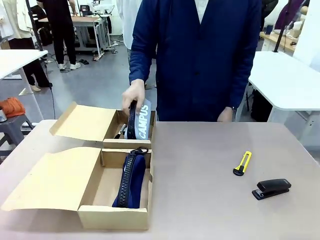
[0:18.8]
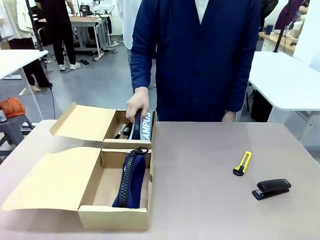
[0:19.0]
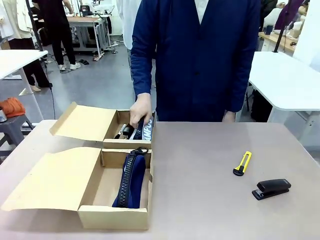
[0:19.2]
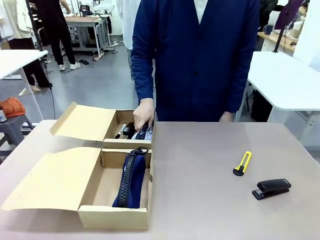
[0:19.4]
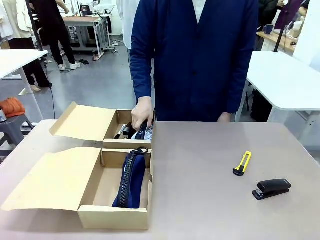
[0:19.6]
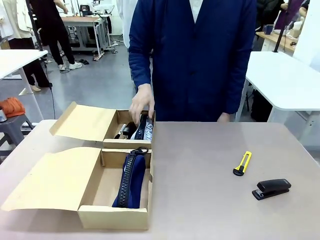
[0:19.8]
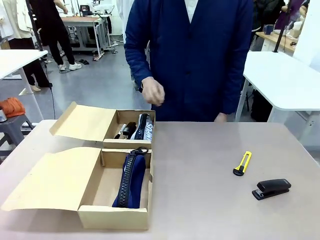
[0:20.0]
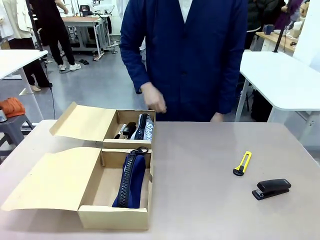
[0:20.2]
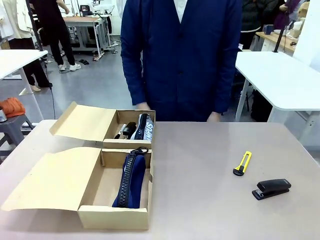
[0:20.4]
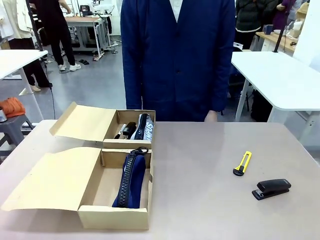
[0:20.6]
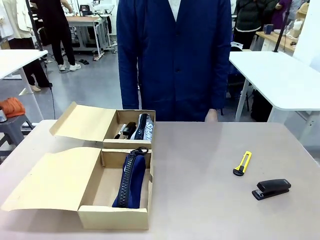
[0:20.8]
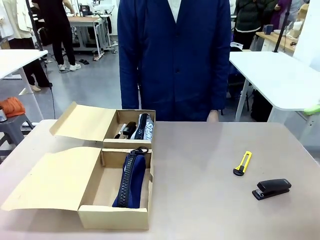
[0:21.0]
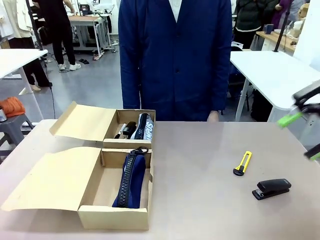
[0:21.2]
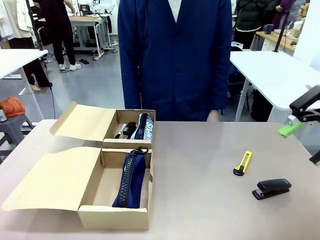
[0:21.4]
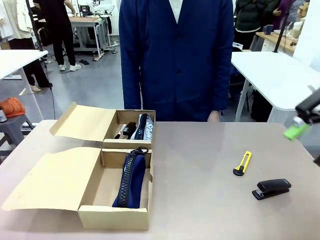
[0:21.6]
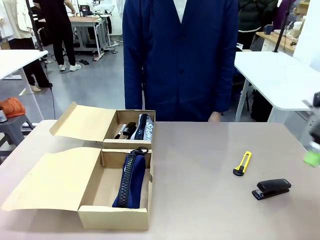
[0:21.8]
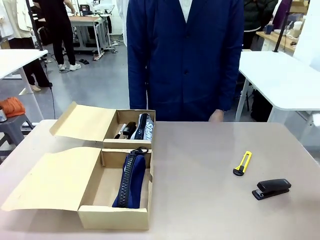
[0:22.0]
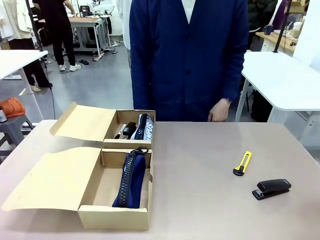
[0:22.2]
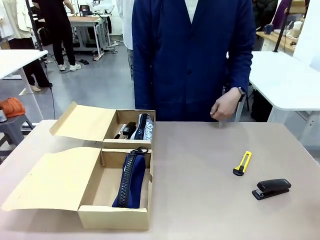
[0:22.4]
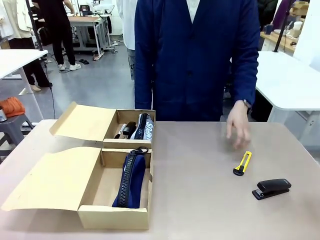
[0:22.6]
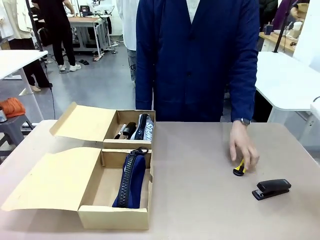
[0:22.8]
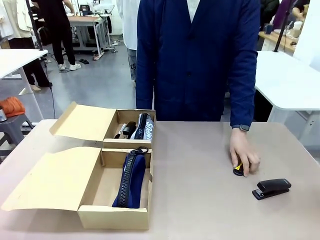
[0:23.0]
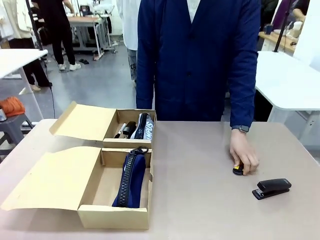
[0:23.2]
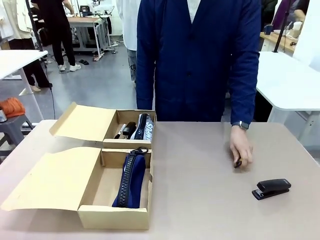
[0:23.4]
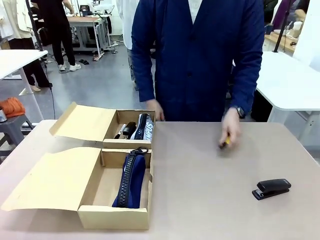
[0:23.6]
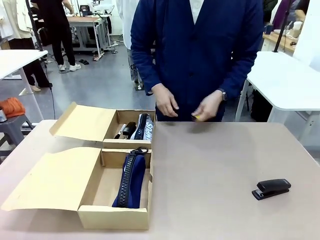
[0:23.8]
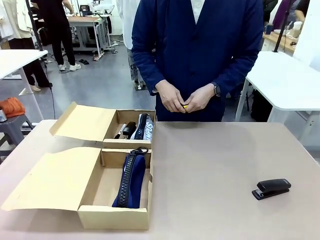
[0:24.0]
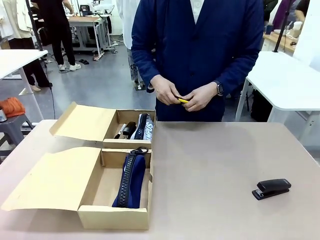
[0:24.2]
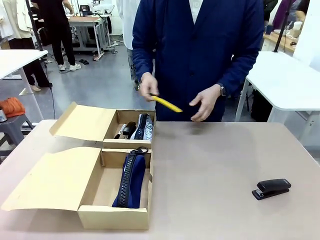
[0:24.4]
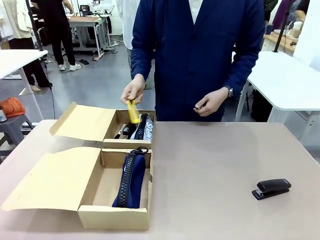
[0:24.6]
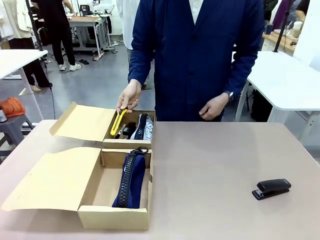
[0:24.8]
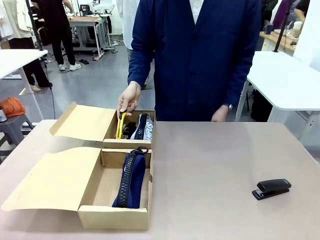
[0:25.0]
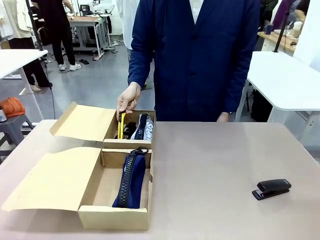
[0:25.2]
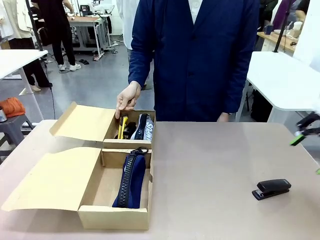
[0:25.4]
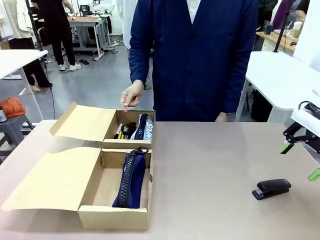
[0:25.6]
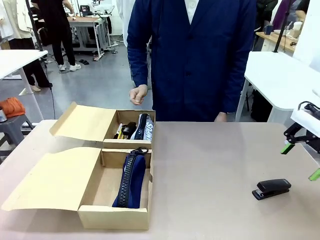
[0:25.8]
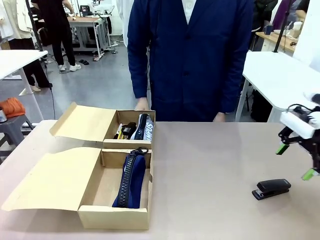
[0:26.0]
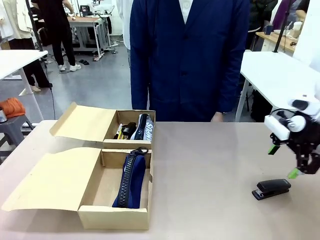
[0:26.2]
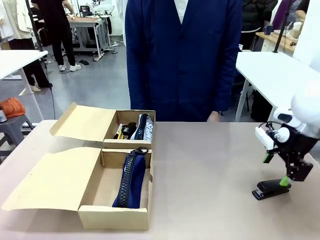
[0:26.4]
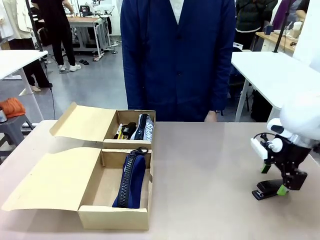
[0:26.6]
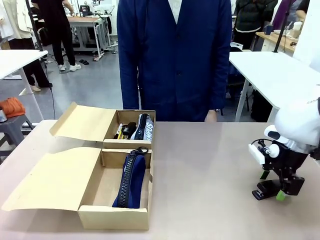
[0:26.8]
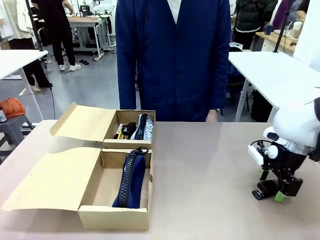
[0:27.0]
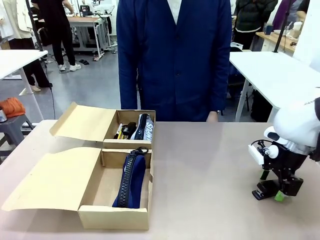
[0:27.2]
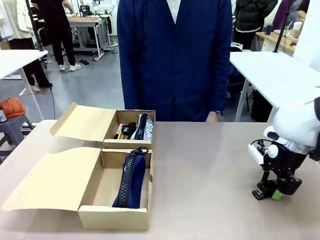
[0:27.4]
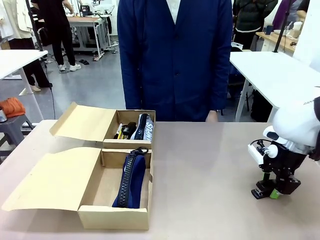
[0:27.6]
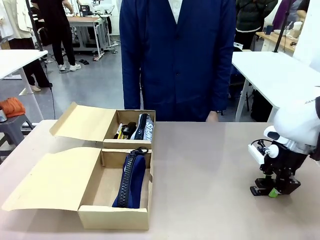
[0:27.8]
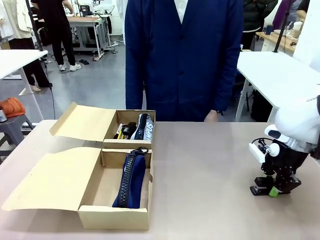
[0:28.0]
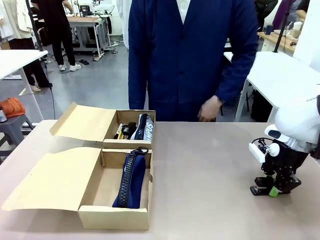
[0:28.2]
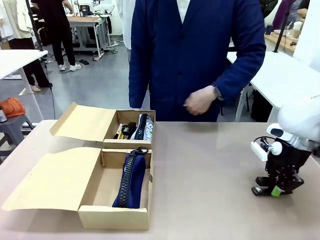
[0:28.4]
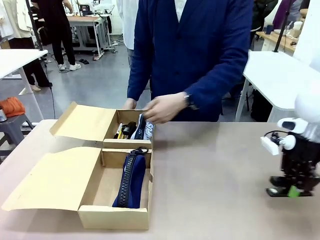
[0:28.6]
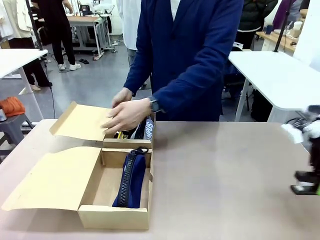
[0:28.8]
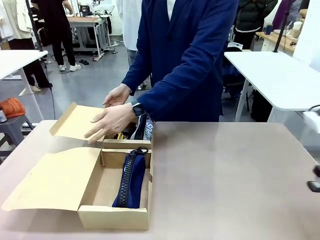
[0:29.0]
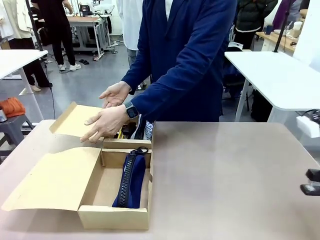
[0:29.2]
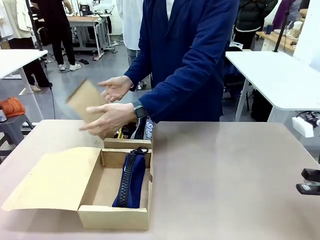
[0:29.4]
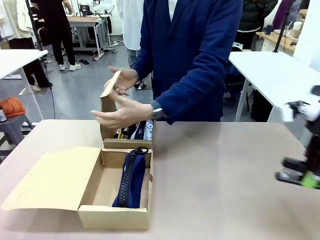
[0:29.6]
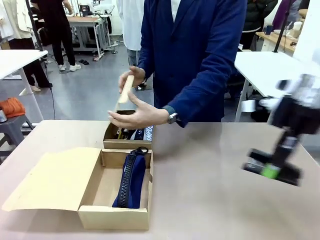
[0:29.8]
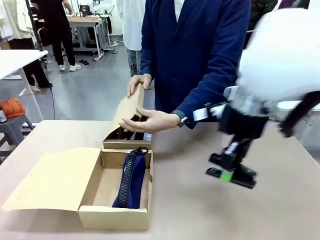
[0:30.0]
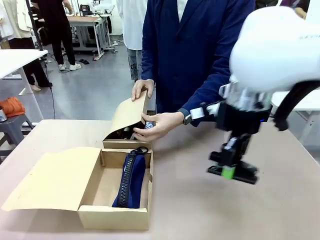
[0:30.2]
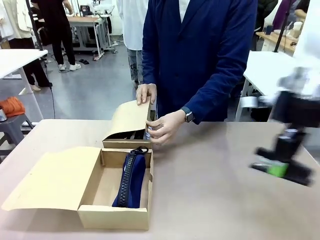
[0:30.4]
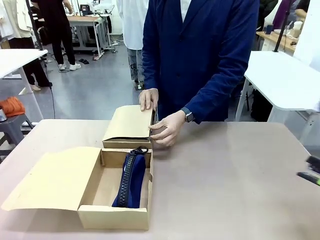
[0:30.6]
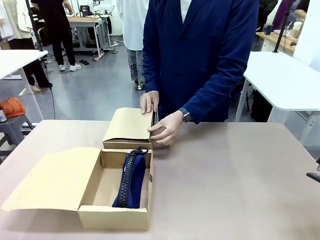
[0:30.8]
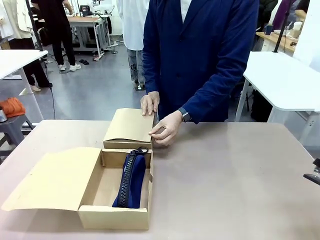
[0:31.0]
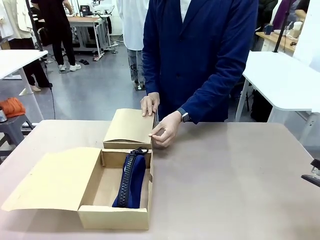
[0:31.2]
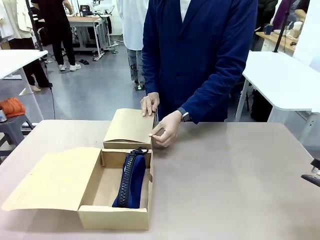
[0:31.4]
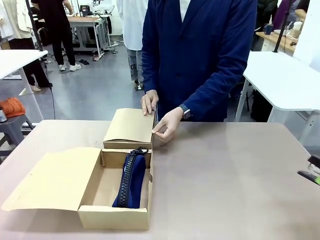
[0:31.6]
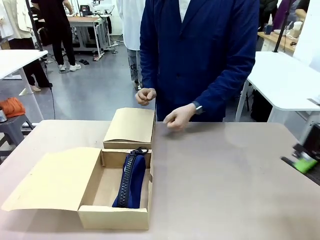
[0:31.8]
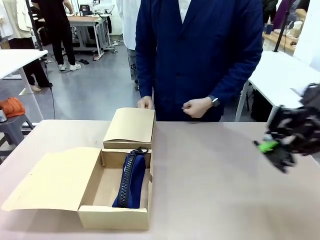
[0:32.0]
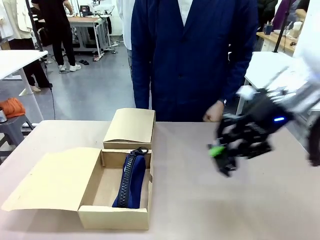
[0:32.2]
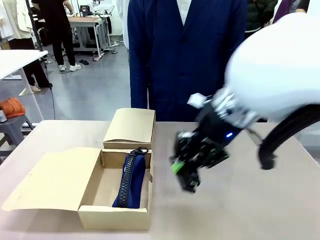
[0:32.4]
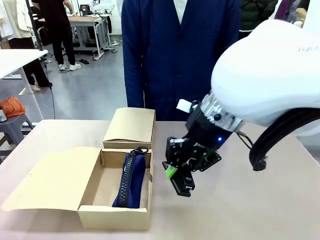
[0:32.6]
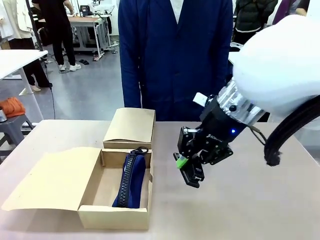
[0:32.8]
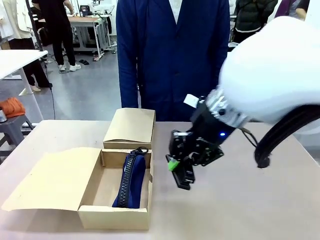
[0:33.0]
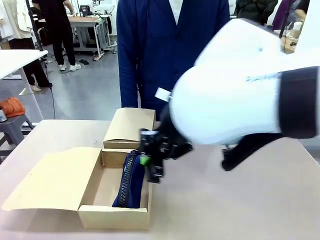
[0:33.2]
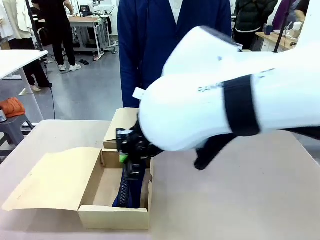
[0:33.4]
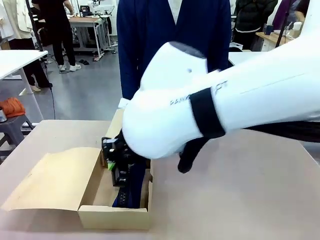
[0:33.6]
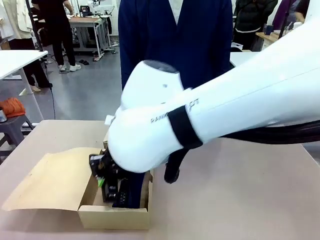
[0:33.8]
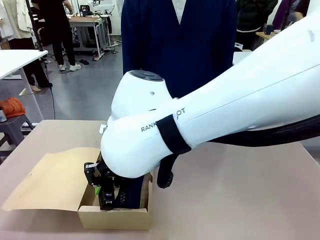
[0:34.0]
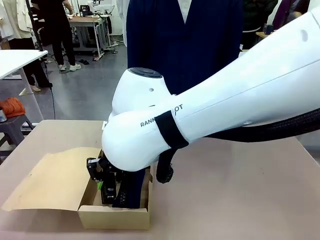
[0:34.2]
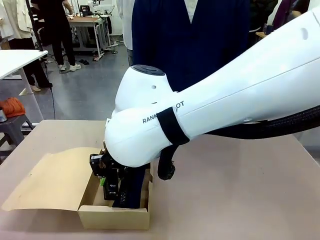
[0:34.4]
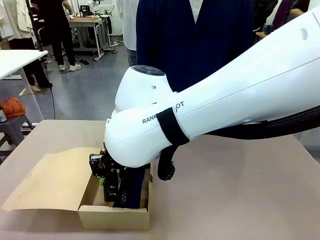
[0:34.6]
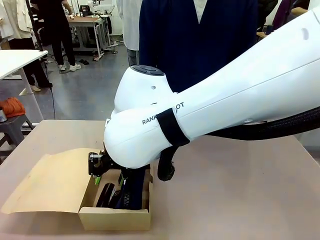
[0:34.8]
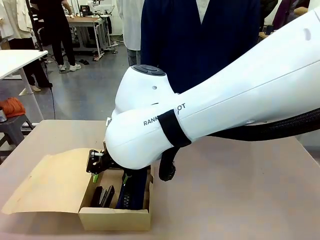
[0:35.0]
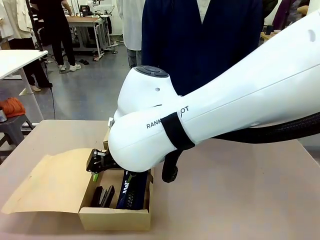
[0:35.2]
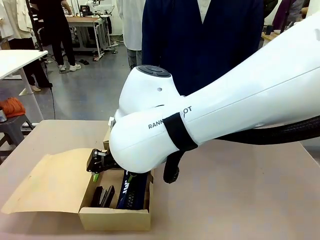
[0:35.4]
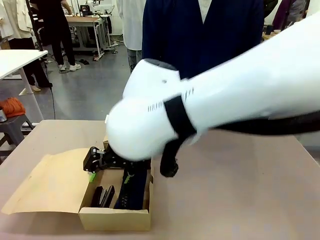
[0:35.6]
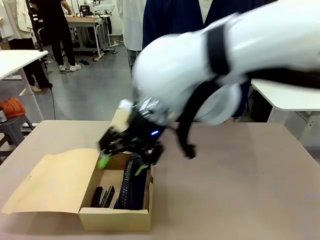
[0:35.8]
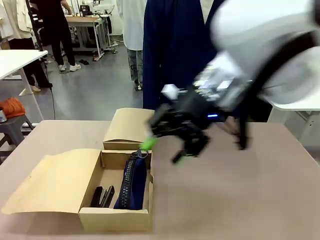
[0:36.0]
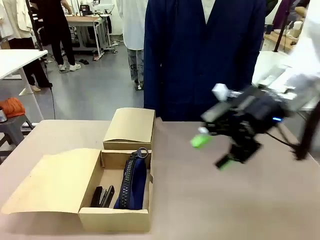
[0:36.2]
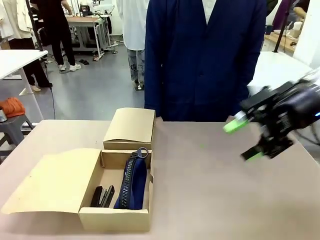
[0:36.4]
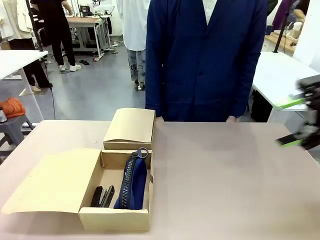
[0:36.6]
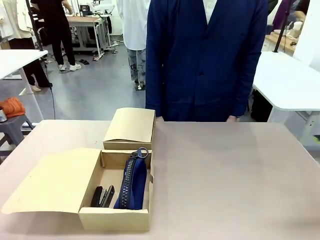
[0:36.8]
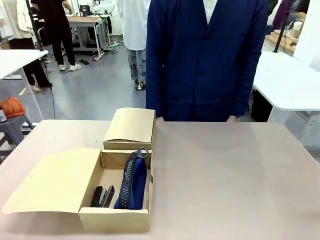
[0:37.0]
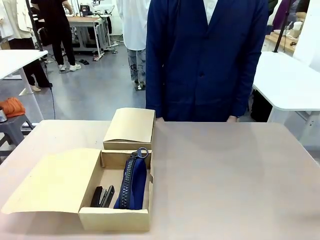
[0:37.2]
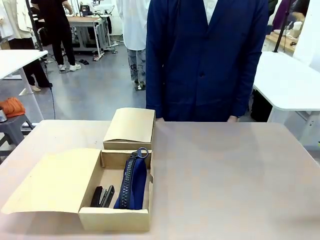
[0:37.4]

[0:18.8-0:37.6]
Task: Place items inside the box.
Robot: Pick up a Pencil pouch or Stapler and place it inside the Mailer Box closest to the robot.

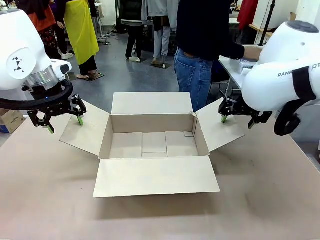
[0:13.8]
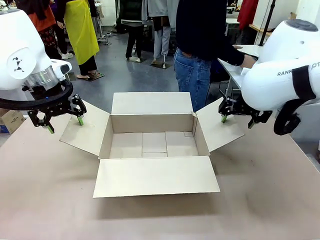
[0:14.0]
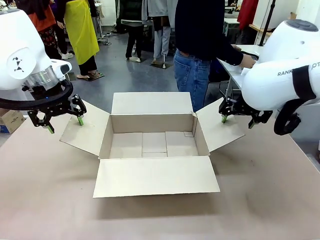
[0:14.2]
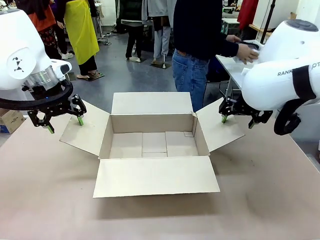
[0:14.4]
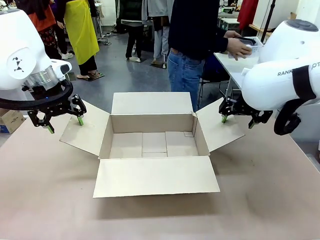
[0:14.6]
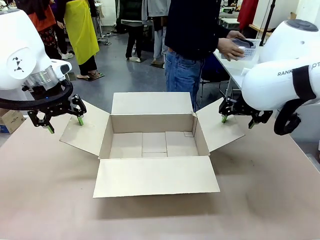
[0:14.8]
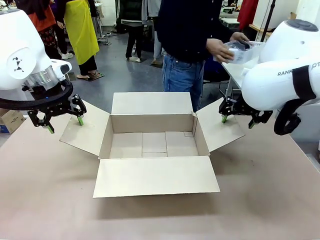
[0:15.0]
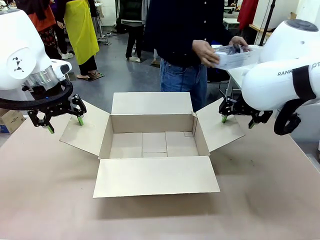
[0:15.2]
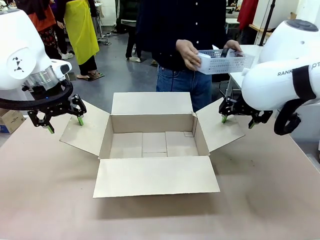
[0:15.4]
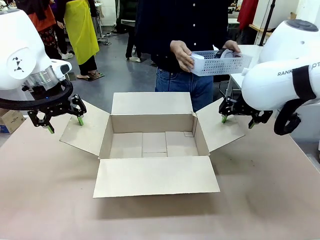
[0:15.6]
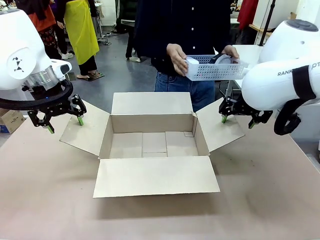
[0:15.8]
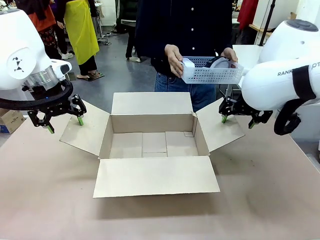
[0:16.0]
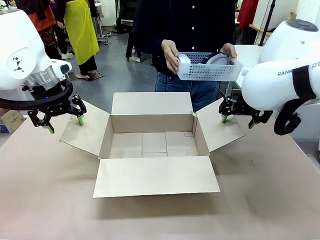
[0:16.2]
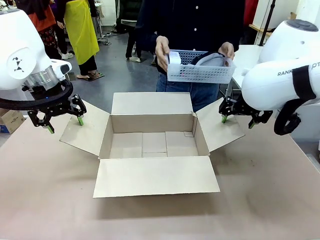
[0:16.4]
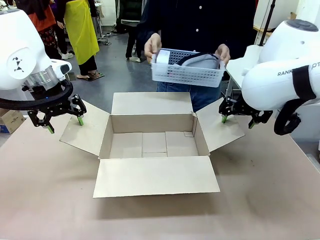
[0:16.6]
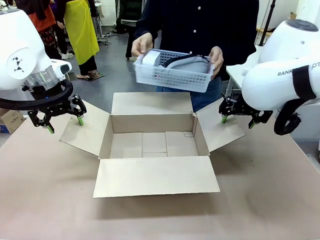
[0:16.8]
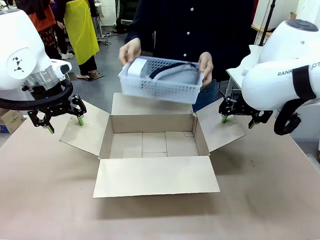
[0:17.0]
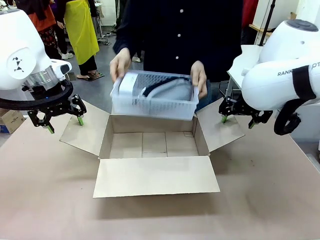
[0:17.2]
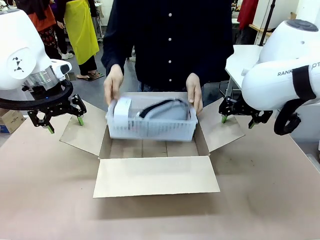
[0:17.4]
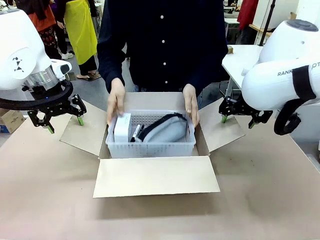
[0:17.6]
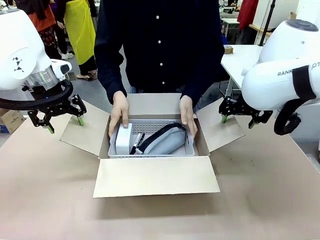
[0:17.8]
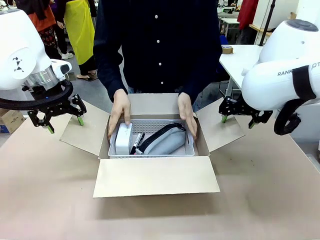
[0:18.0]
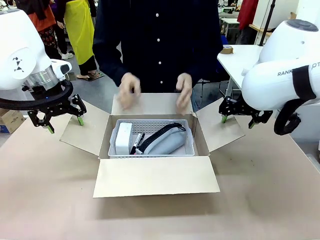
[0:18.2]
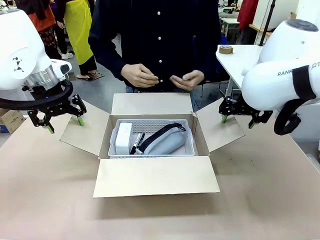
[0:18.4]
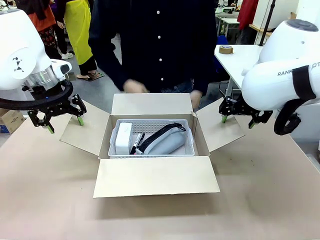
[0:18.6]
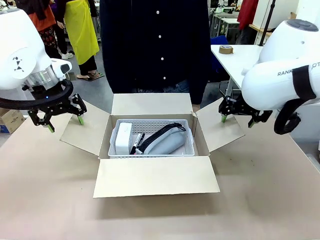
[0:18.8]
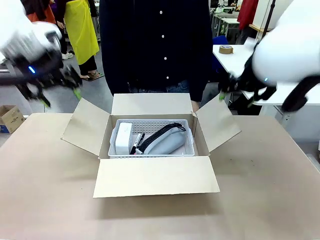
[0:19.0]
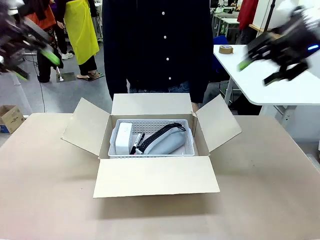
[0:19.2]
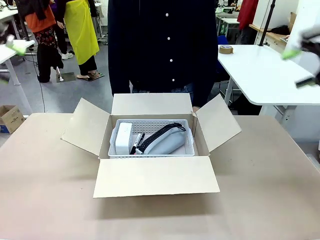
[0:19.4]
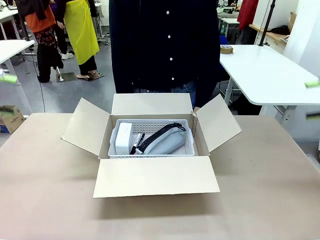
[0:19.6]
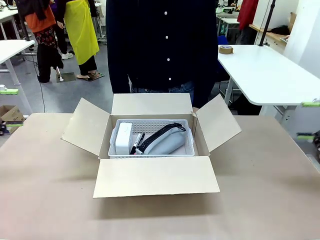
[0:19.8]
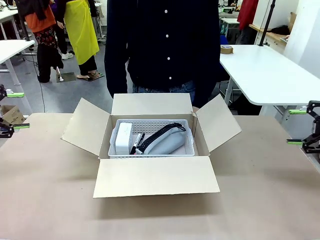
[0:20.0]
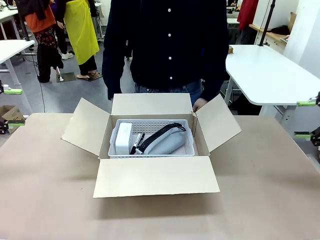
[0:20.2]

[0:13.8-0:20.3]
Task: Pack the gift set into the box.
Robot: Lift both hands away from the flaps of the Package Box.
Person: The human picks up the organizing basket and places the organizing basket into the package box on the robot table.
